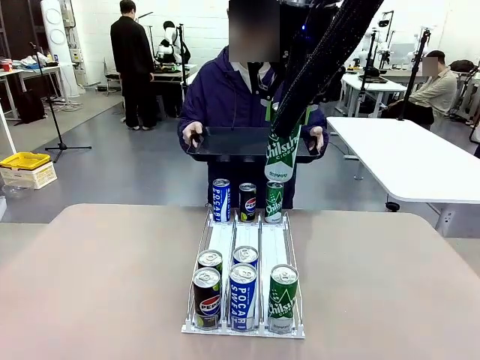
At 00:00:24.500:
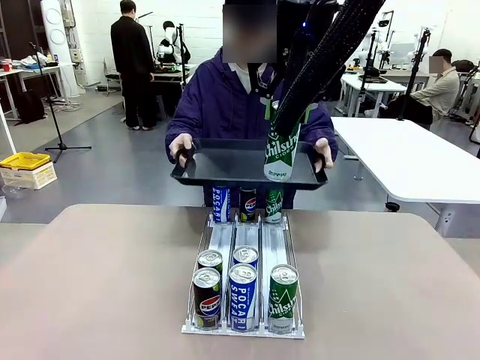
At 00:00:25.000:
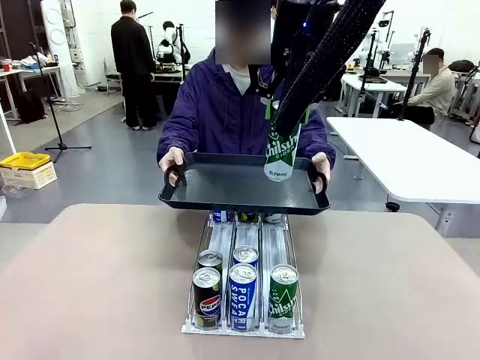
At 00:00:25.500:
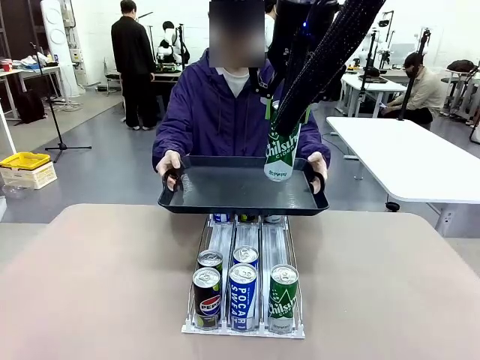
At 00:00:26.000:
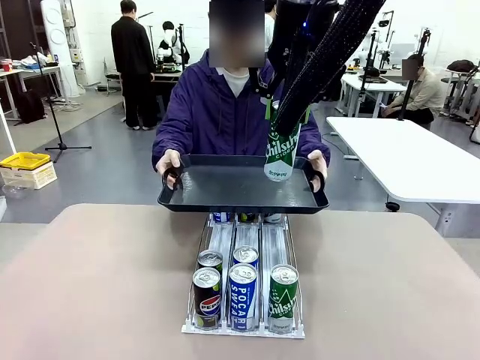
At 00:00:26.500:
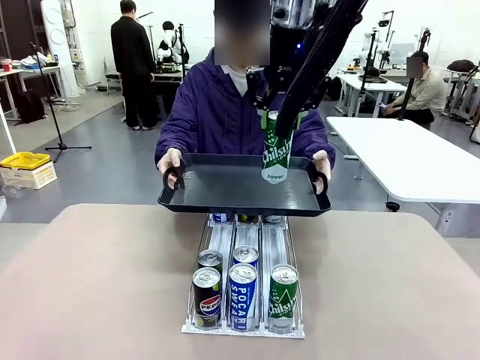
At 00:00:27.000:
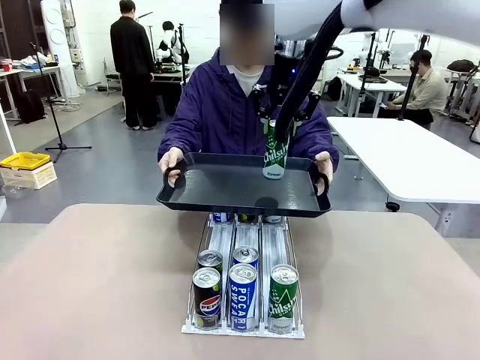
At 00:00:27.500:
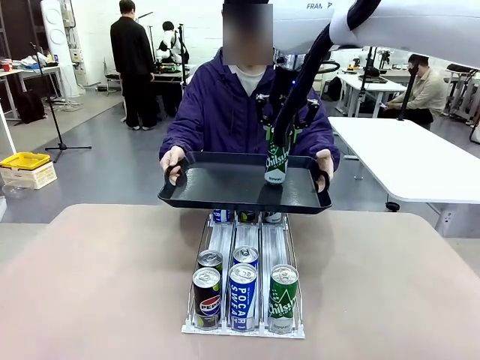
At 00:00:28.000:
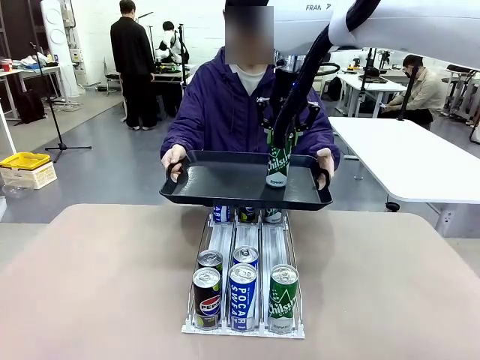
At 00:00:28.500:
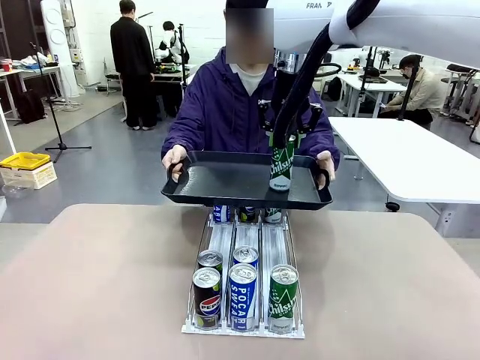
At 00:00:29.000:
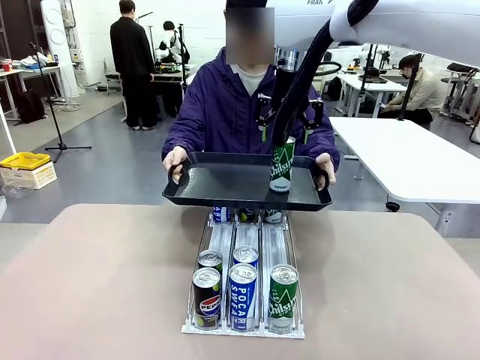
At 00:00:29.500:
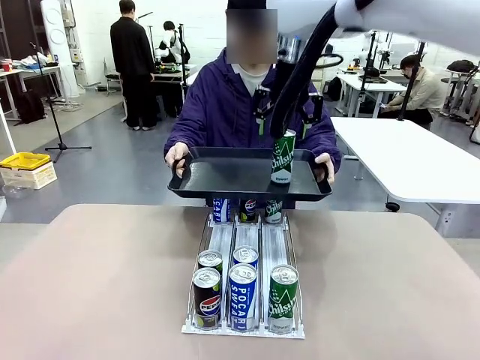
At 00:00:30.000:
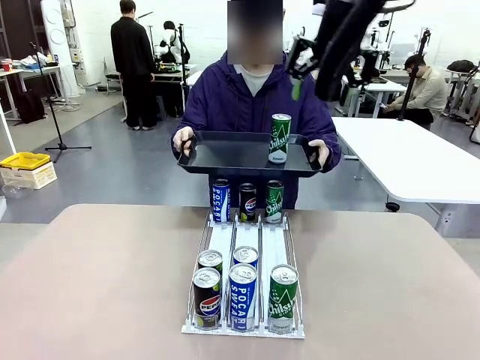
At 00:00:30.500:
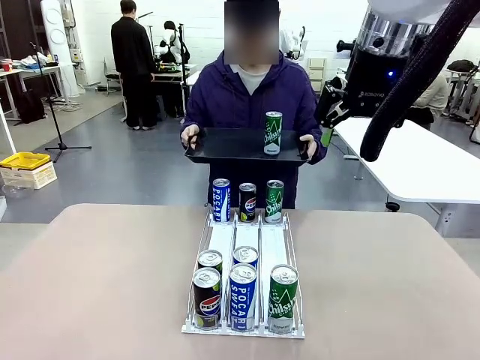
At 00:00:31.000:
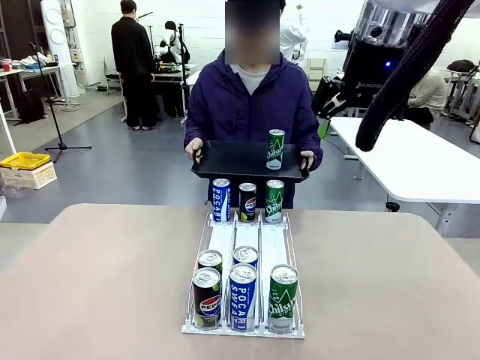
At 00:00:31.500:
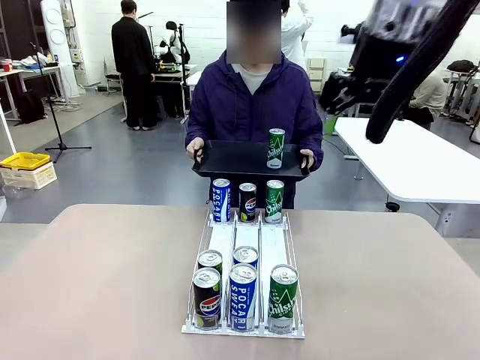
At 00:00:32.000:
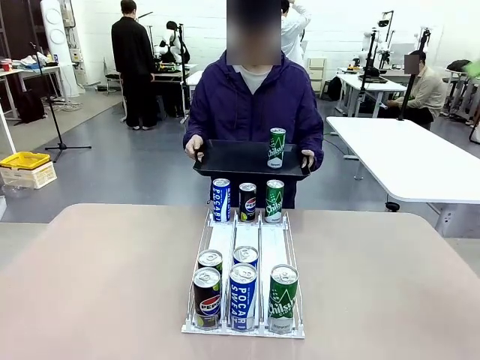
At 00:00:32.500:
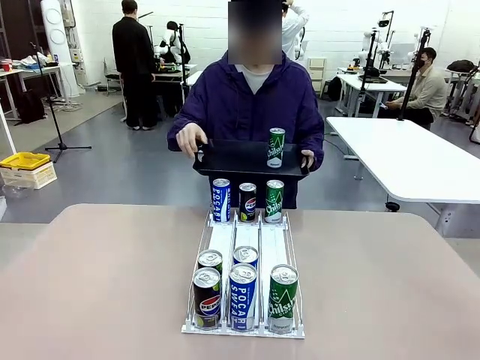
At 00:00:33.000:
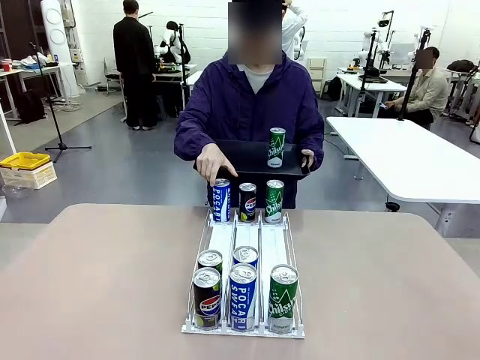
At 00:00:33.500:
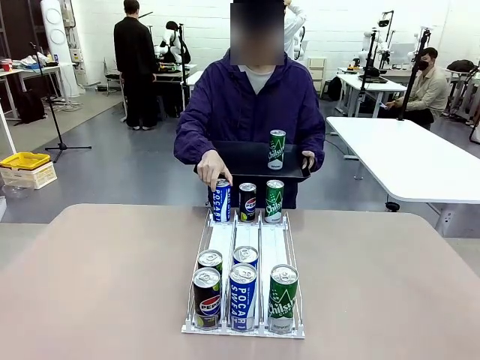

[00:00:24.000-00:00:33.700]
Task: Retrieve and hand over the desired beverage to the person.
Robot: Place the picked can on the Handle tray extended by the person.
Person: Pull the tray back, then pick up another can from the bottom area of the table and puts it back in its original place.

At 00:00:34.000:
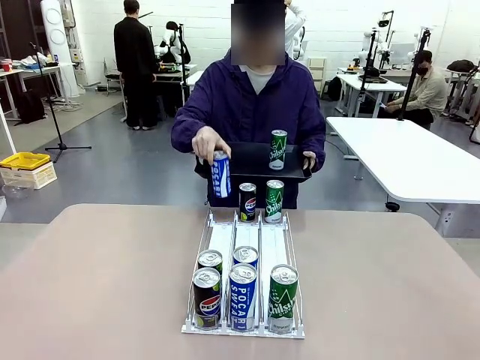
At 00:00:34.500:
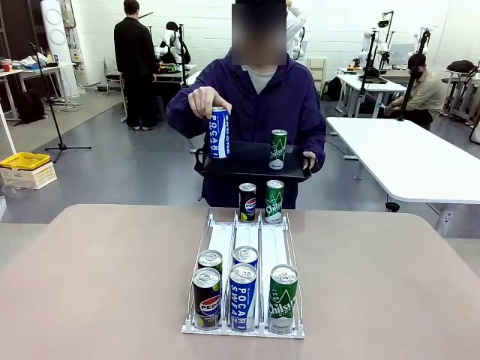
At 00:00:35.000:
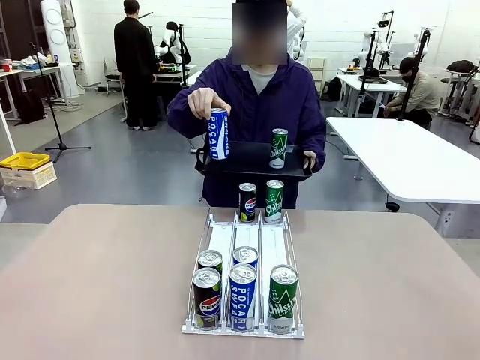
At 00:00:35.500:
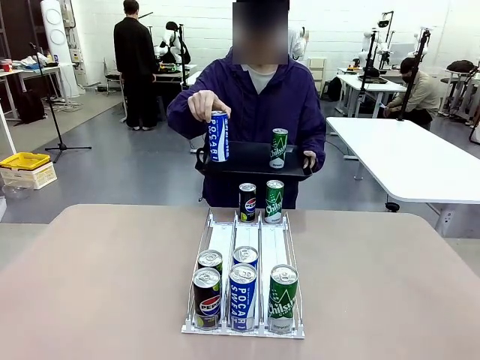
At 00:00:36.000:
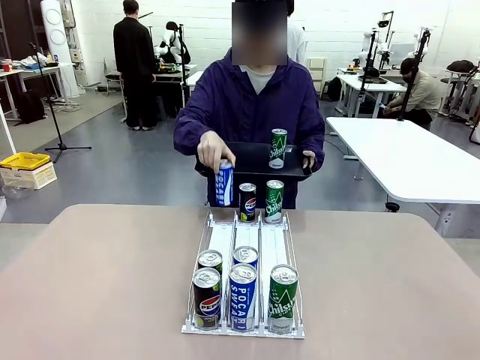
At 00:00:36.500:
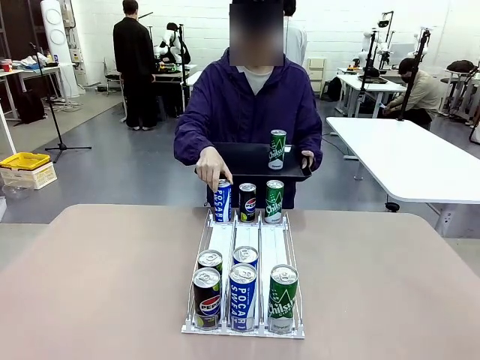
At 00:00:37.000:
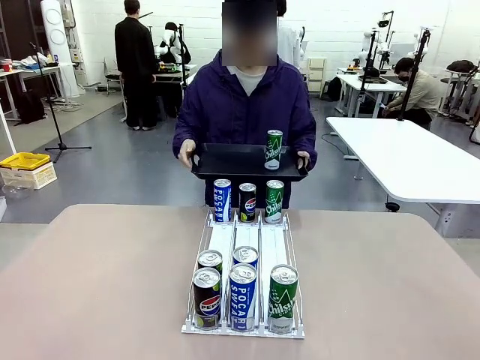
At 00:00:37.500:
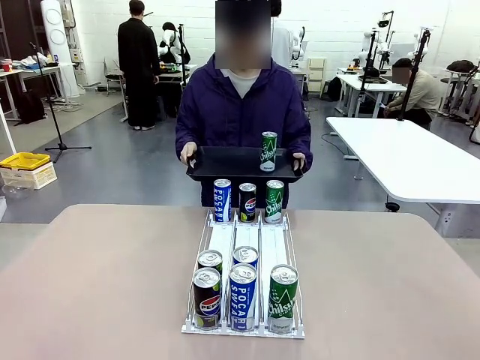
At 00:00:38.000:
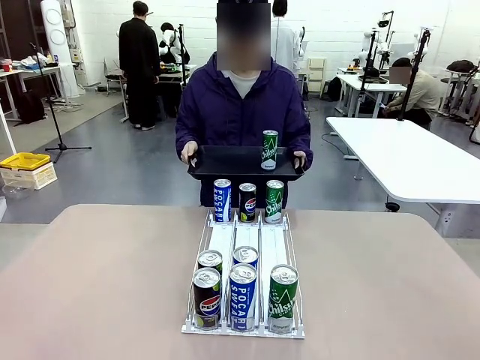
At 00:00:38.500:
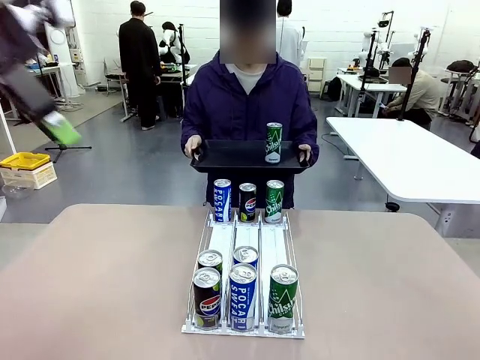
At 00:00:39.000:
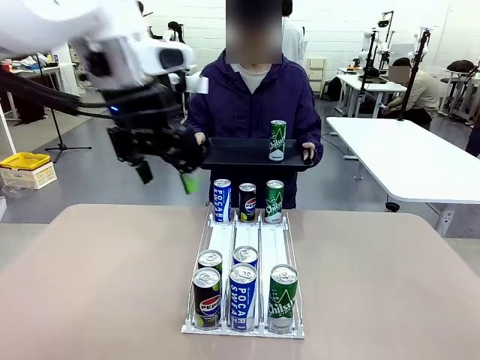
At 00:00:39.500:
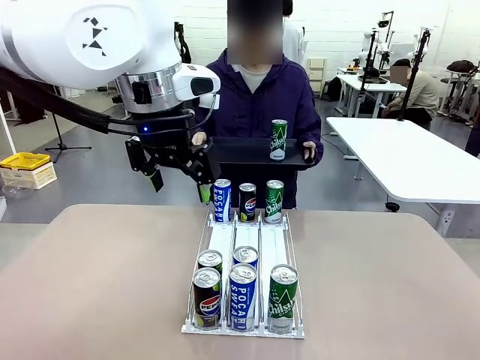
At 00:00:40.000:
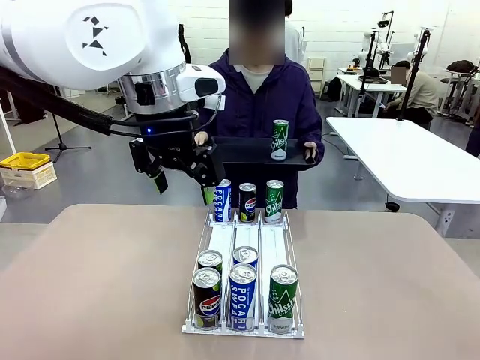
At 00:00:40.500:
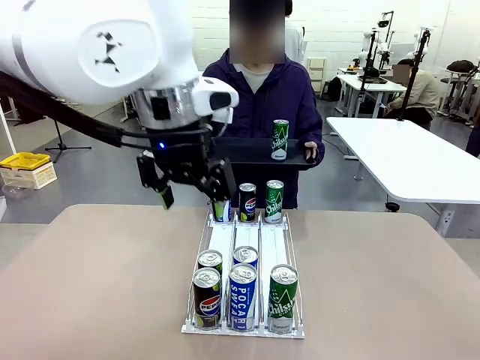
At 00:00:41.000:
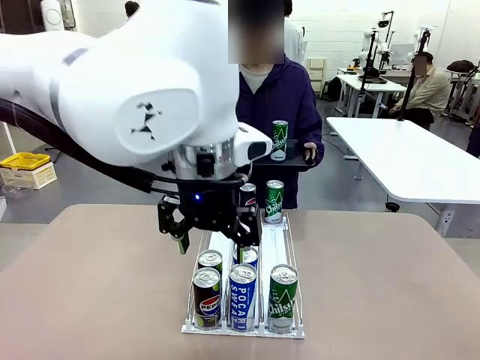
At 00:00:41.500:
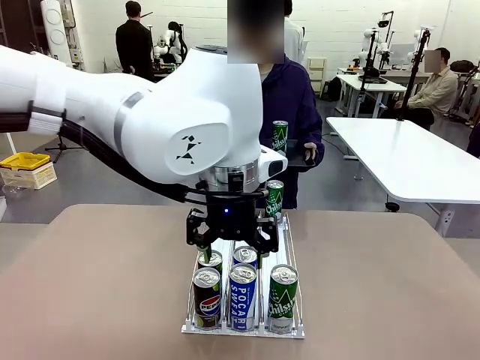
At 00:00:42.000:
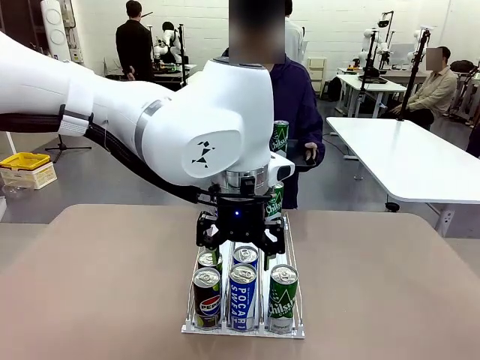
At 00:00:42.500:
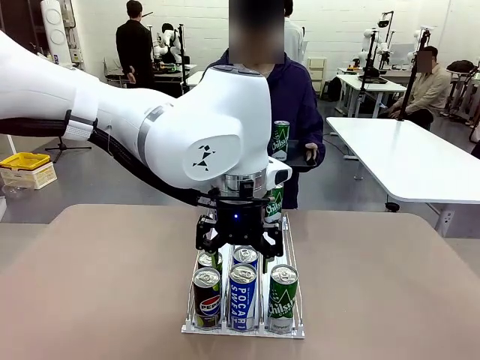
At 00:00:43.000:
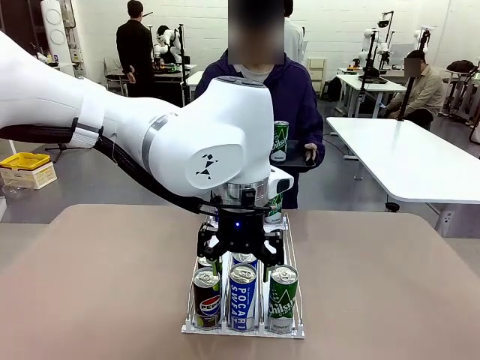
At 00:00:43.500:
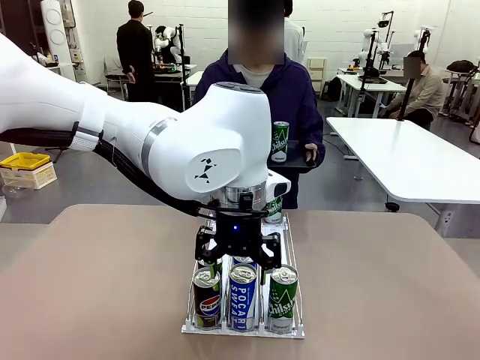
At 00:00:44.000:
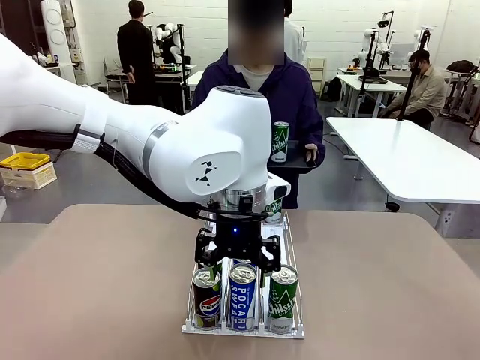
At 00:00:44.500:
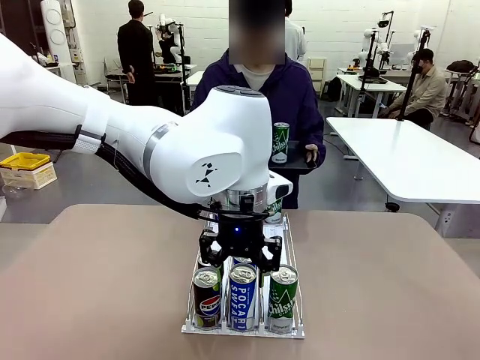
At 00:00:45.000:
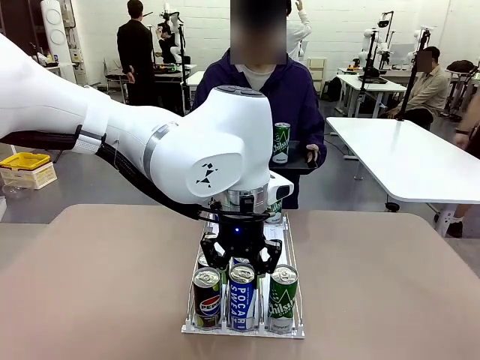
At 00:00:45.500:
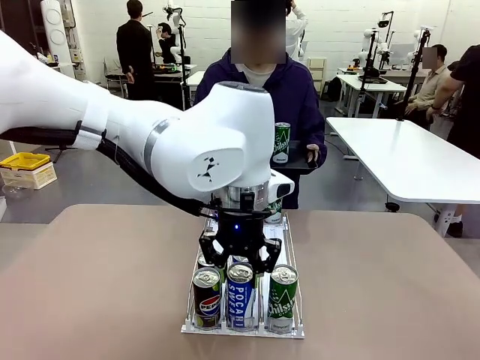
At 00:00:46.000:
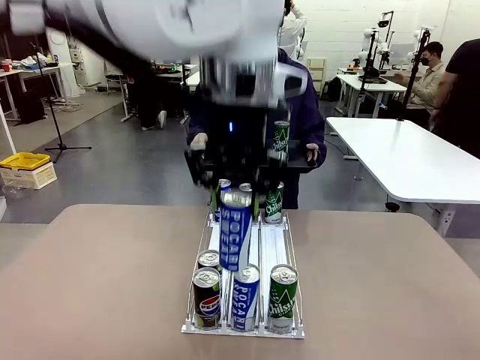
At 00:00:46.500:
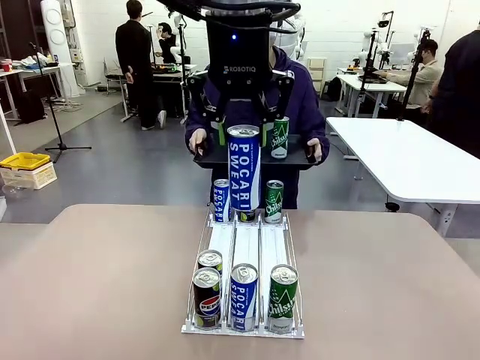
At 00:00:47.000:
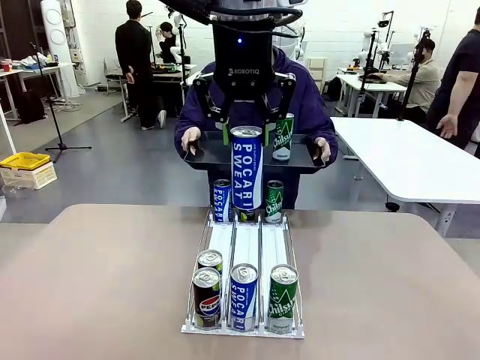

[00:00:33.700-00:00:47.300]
Robot: Pick up another can of the same type that the person held from the Automatic Can Dispenser.
Person: Push the tray toward the robot again.
